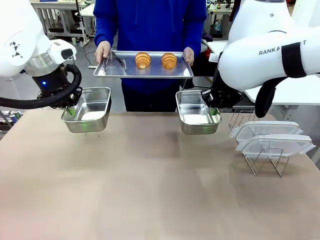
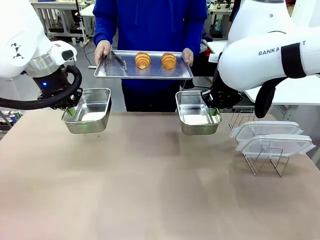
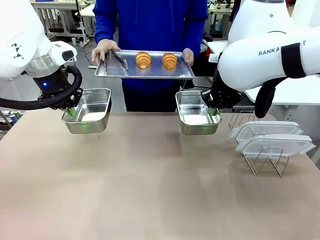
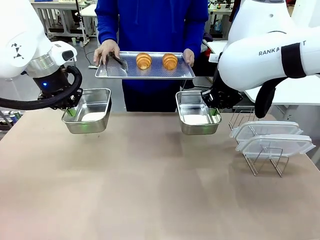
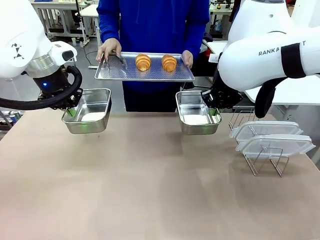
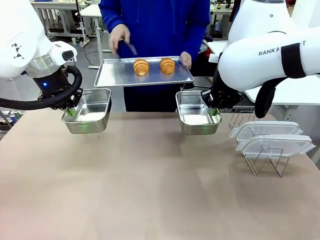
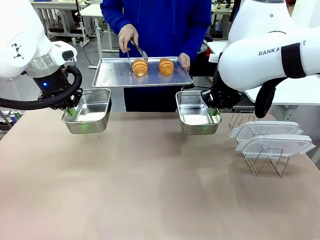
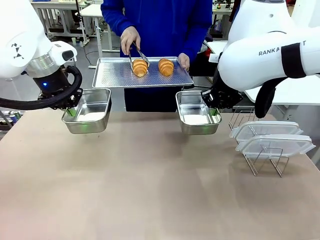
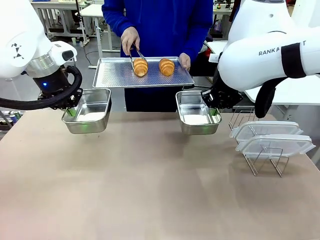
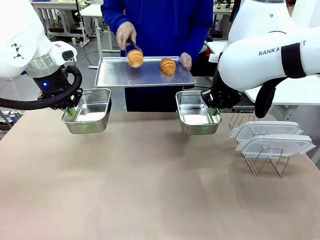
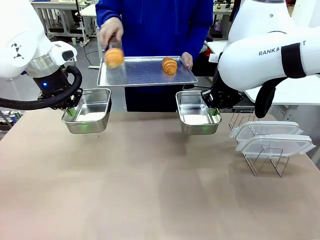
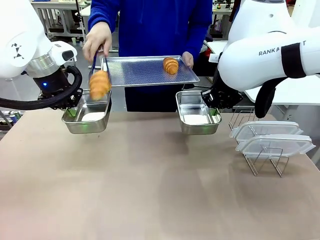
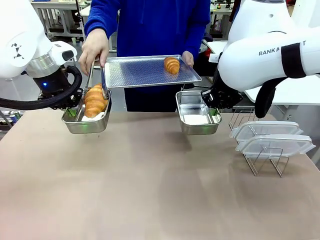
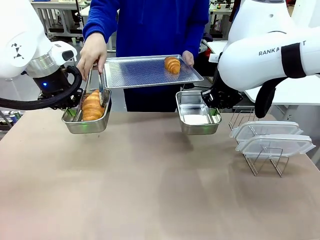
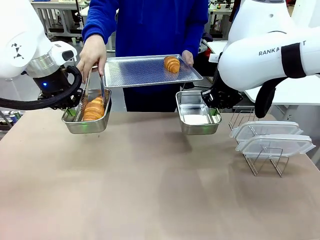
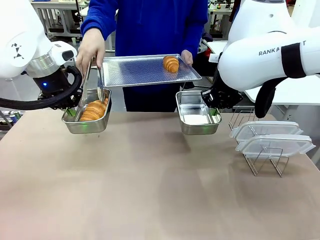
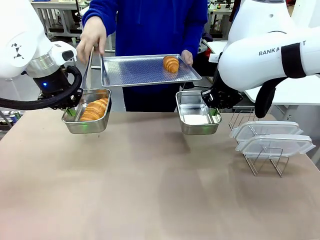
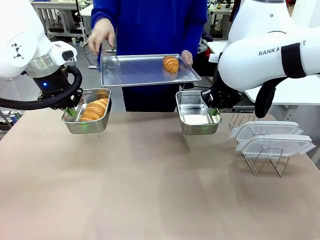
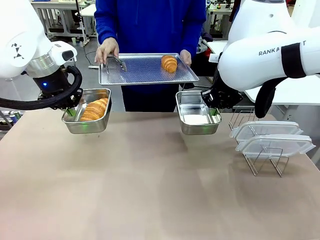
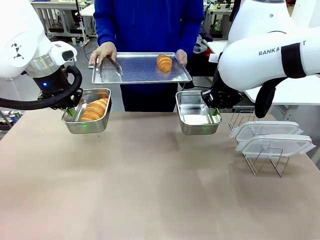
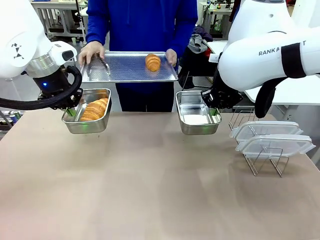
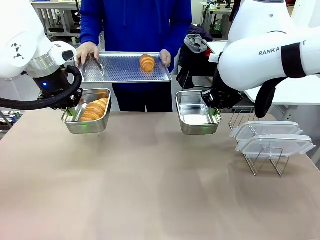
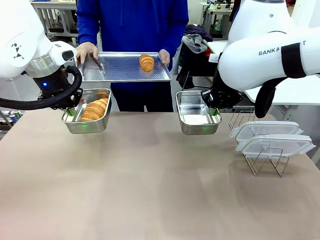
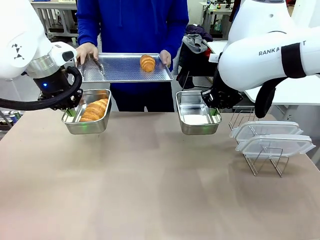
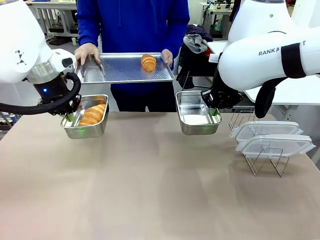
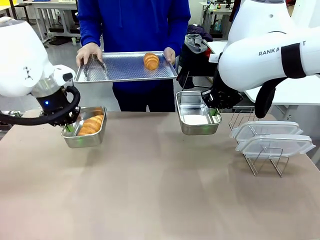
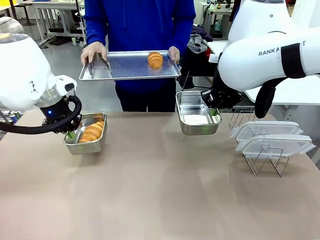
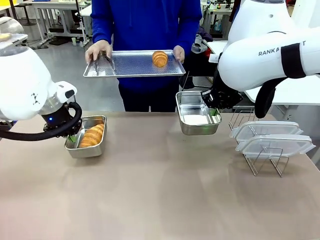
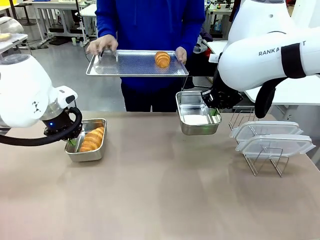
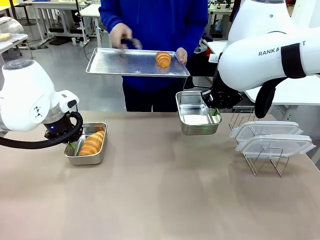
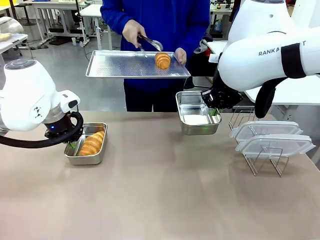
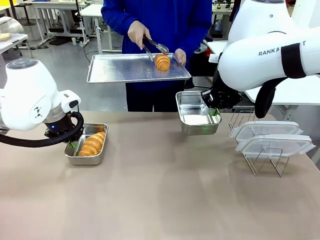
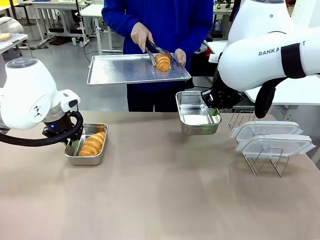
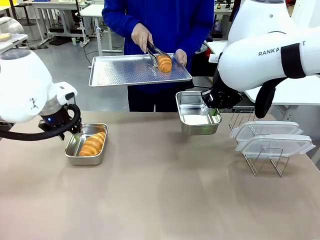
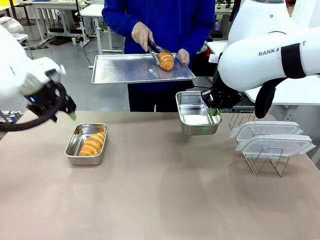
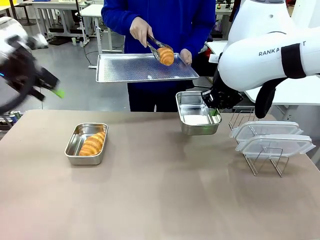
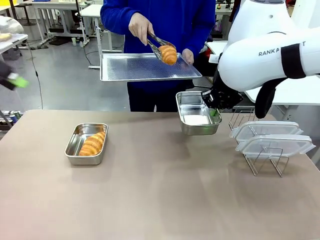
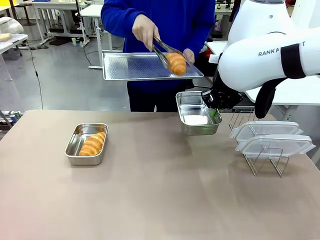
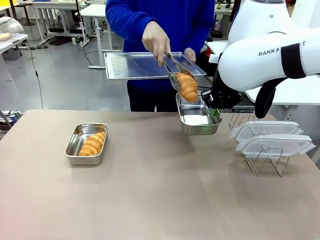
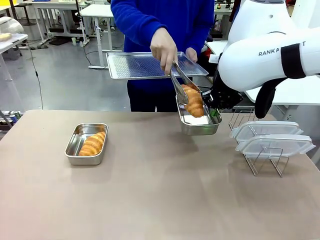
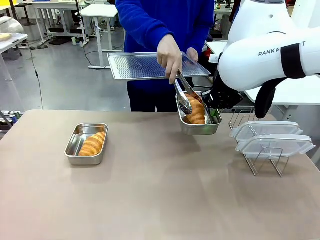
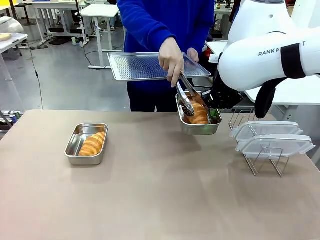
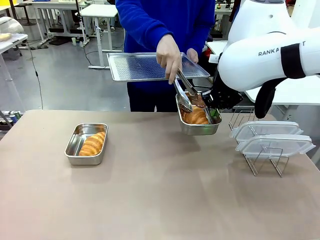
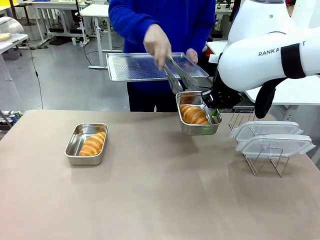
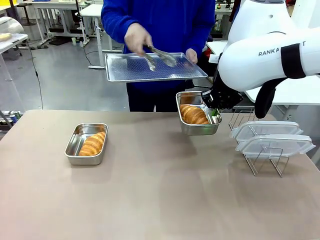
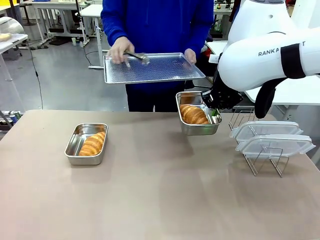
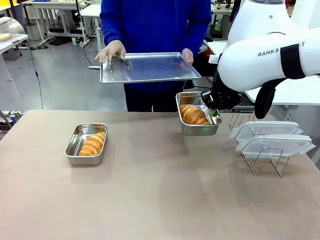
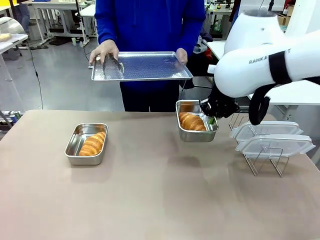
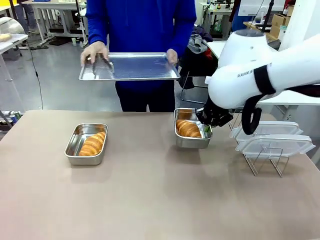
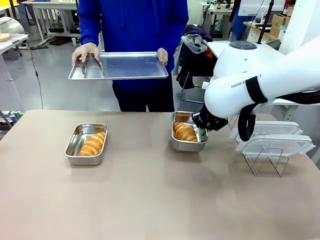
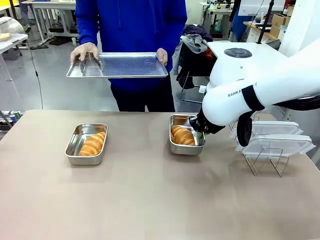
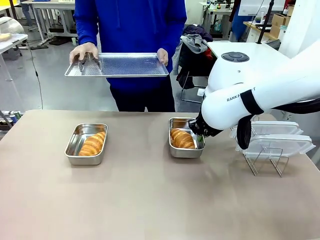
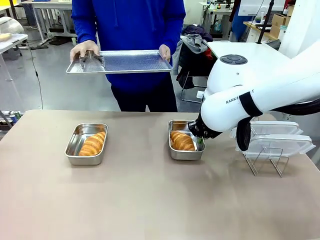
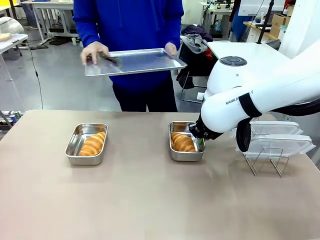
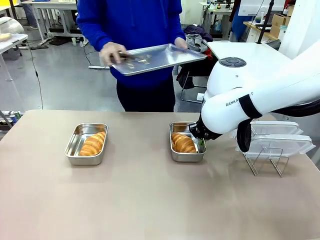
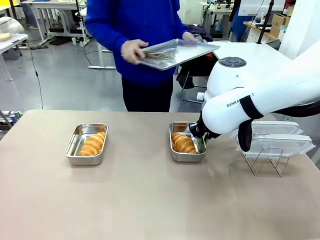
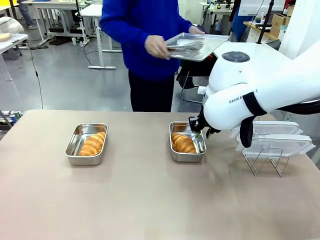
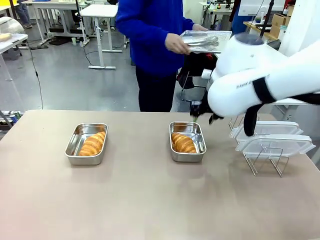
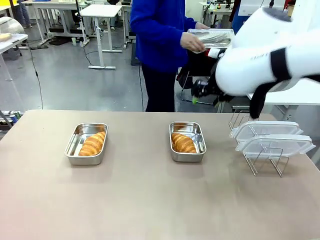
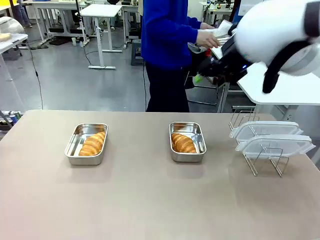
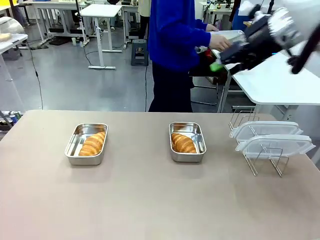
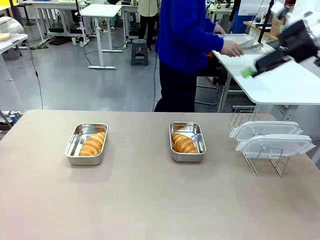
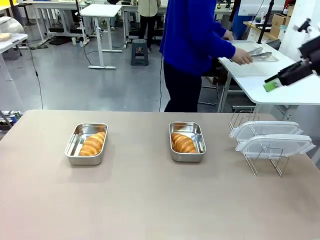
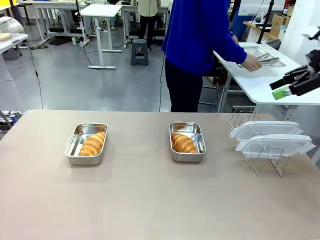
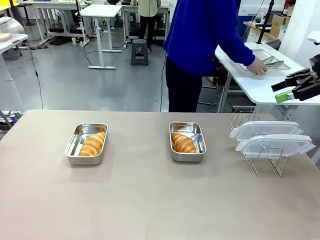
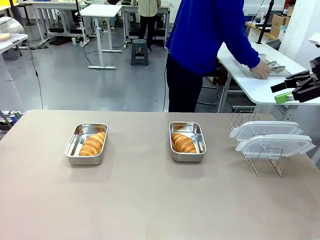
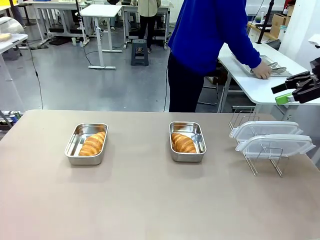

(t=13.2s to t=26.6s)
Task: Place the bread in airtight containers.
Robot: Once an object is inside an Airtight Container , place the container in the center of the table.
Person: Use the Stainless steel tongs to place one object from Baking Sheet into one Airtight Container. Place Baking Sheet on the Human's Table.

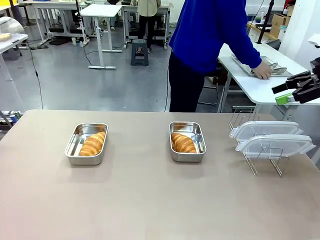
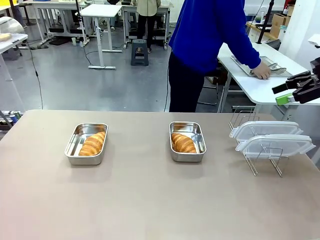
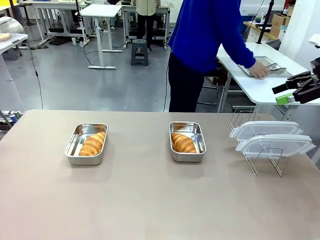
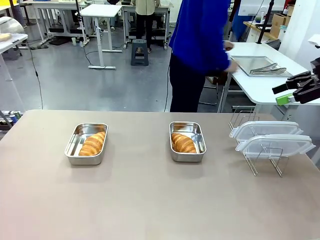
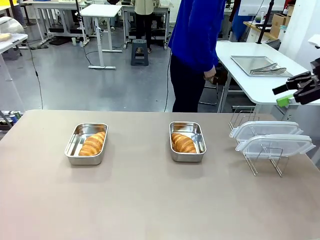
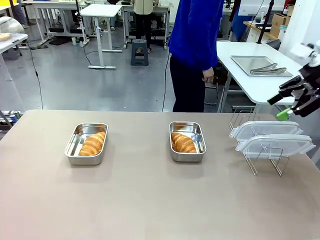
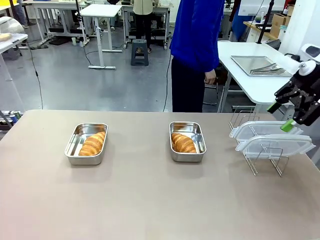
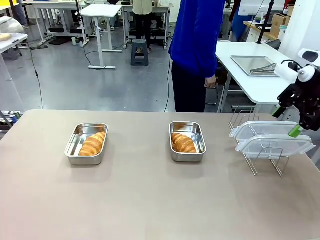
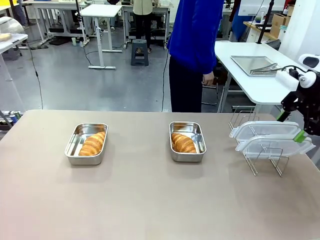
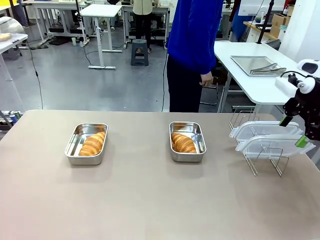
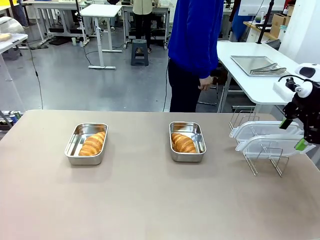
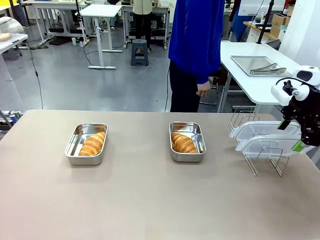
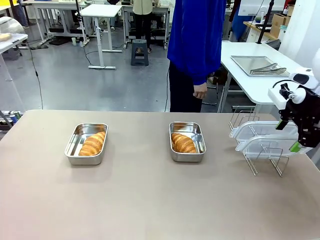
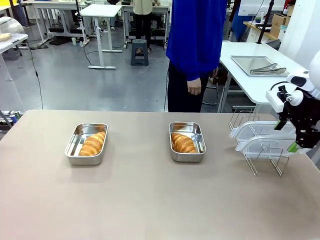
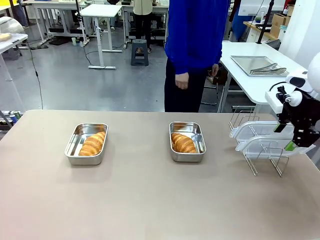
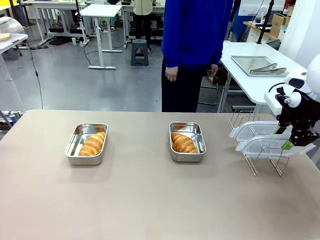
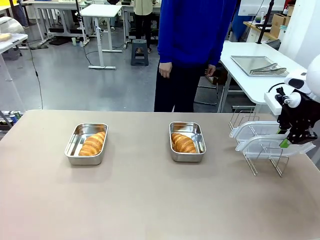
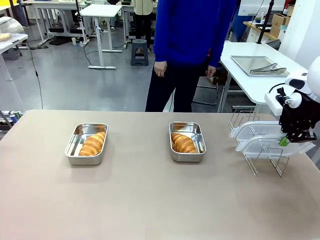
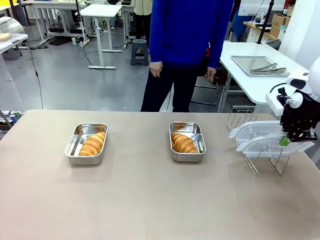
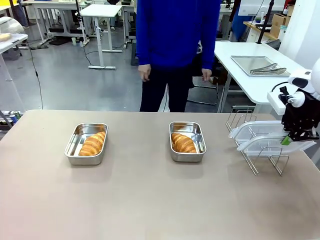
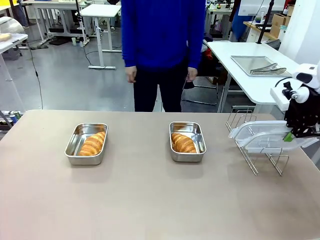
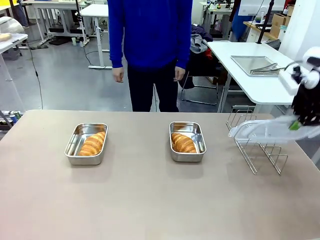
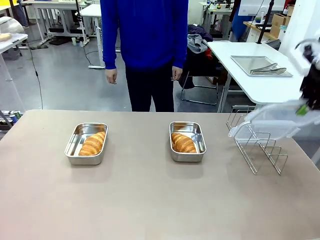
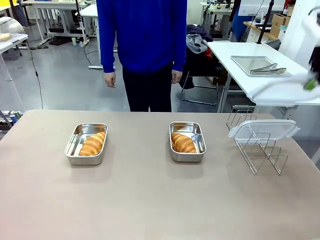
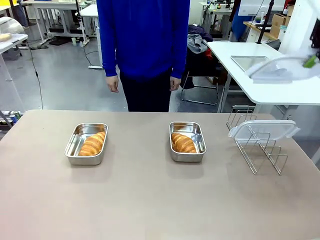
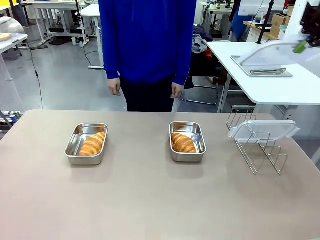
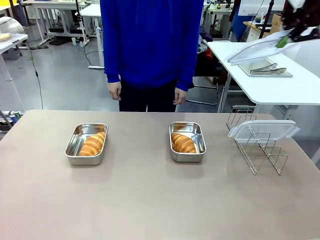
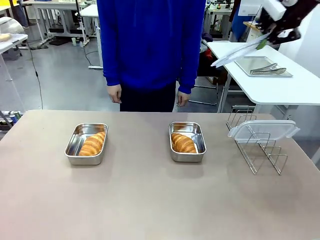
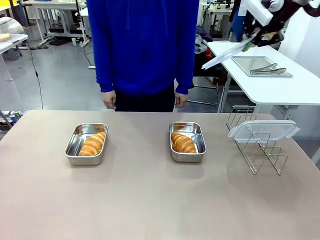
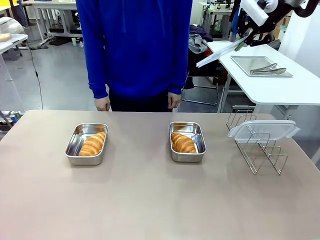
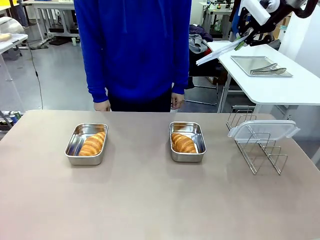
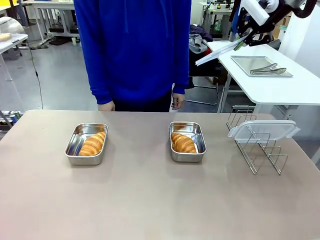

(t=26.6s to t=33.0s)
Robot: Pick up one Airtight Container lid and hand it to the human.
Person: Grip Airtight Container lid that robot is handing.

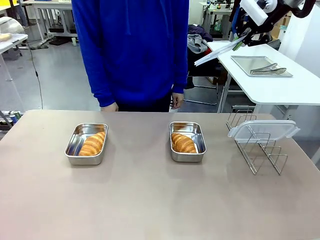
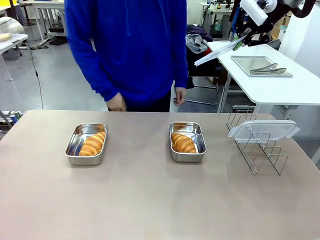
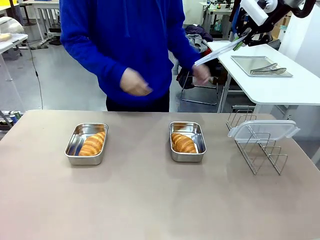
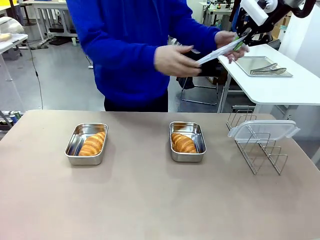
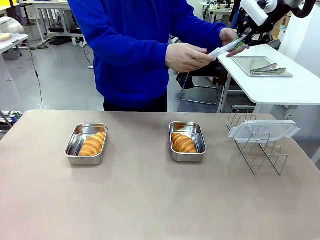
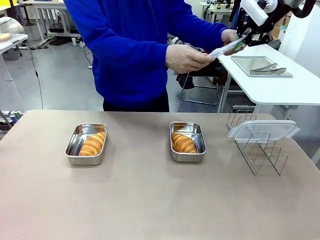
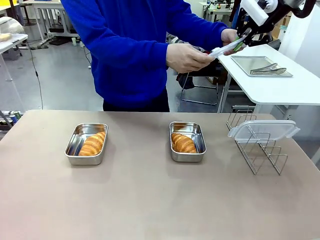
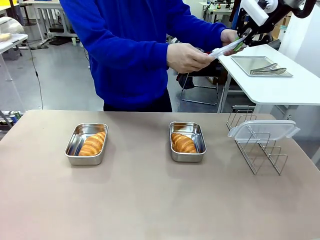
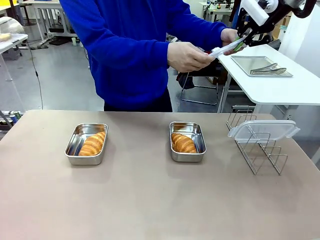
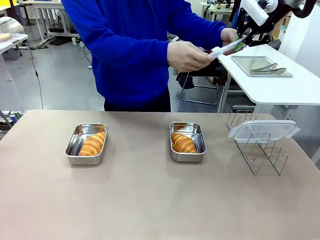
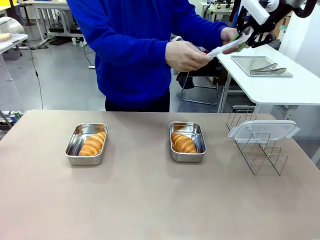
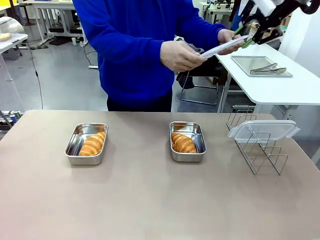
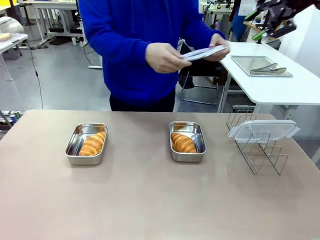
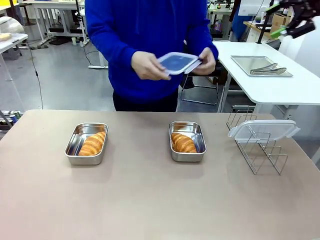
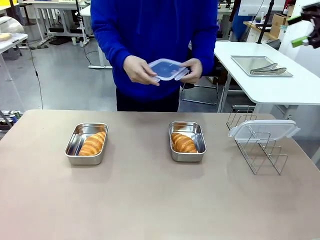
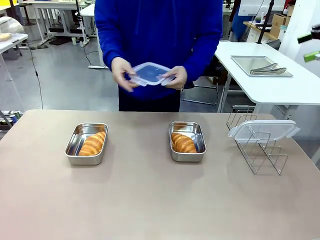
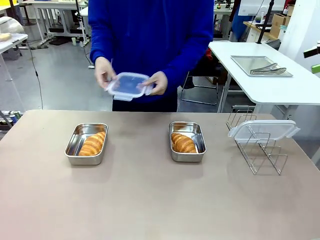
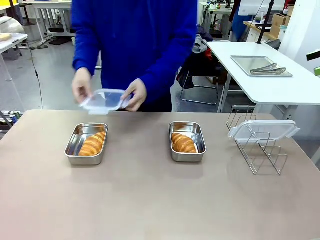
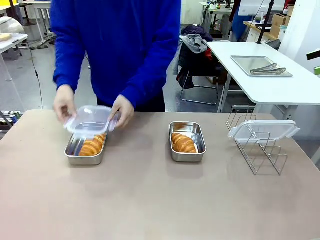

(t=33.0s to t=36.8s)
Robot: Release when the human grabs the Airtight Container lid.
